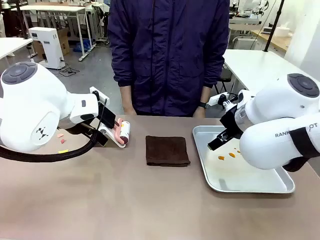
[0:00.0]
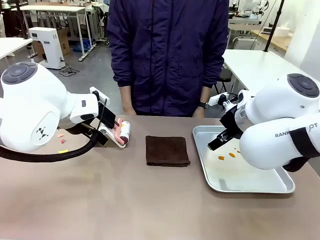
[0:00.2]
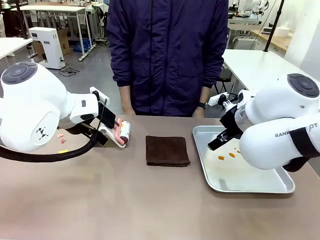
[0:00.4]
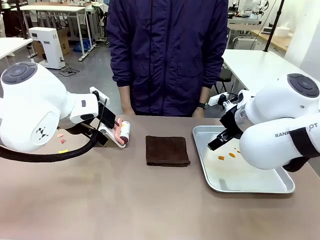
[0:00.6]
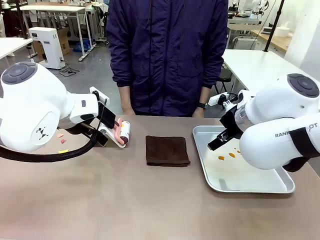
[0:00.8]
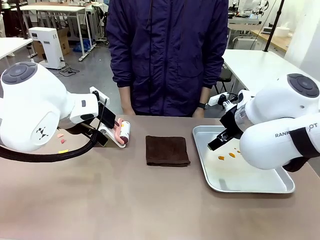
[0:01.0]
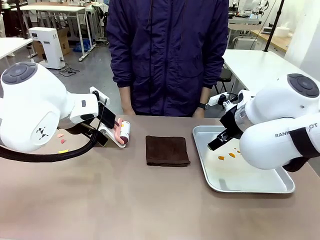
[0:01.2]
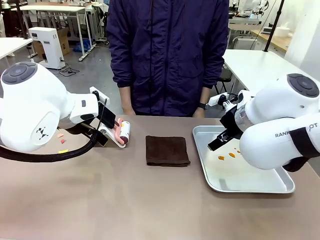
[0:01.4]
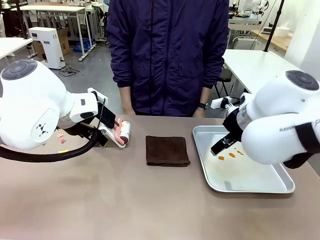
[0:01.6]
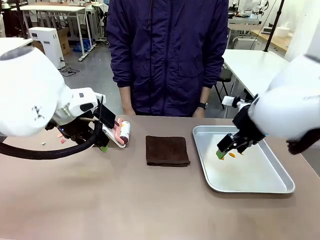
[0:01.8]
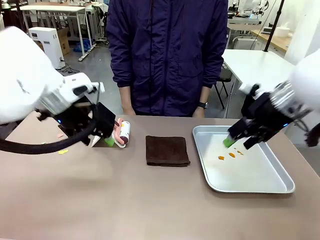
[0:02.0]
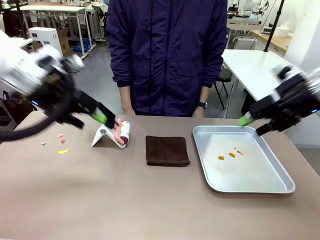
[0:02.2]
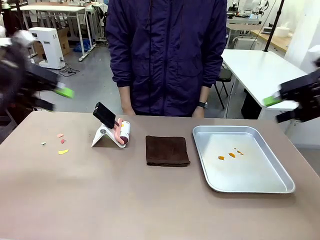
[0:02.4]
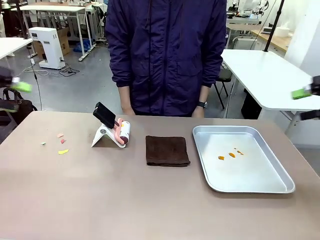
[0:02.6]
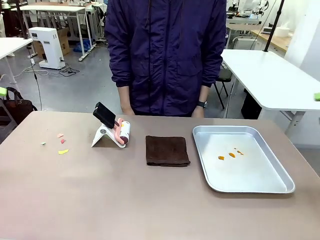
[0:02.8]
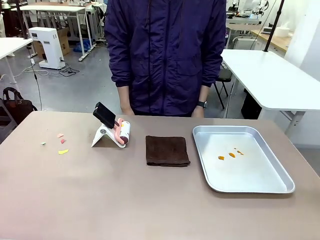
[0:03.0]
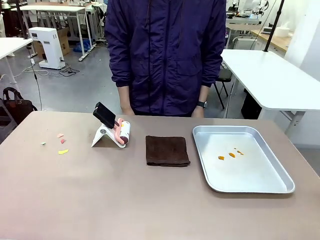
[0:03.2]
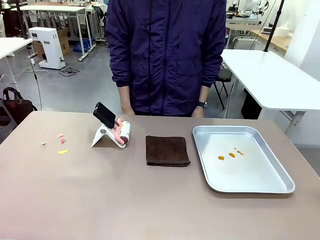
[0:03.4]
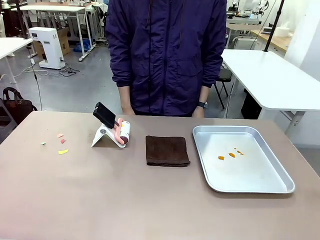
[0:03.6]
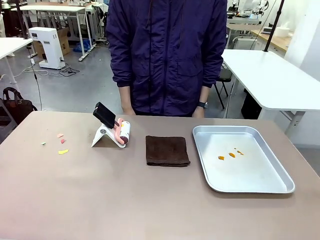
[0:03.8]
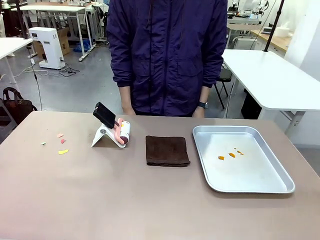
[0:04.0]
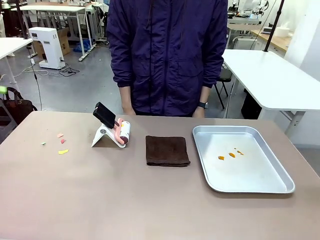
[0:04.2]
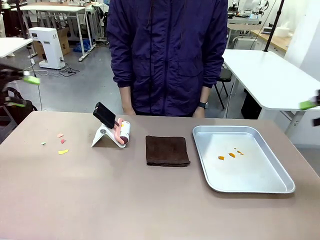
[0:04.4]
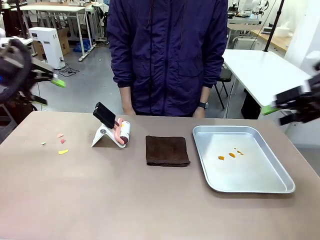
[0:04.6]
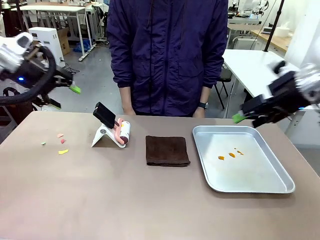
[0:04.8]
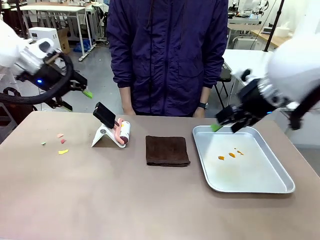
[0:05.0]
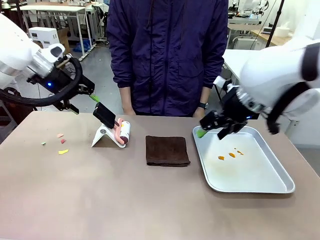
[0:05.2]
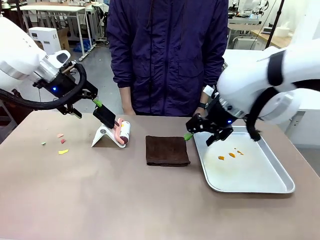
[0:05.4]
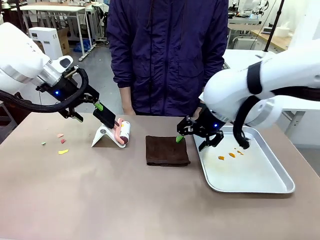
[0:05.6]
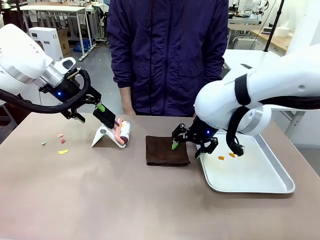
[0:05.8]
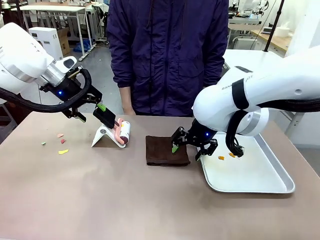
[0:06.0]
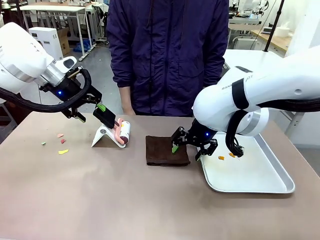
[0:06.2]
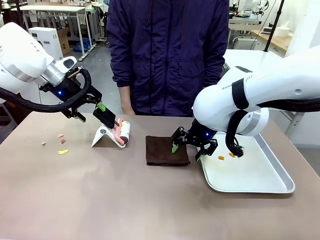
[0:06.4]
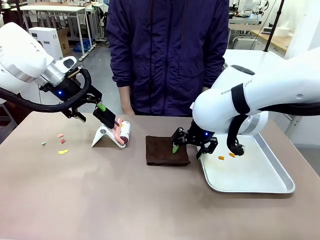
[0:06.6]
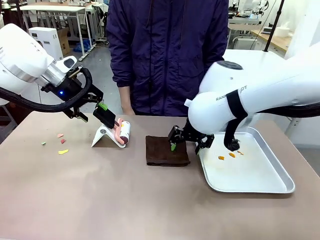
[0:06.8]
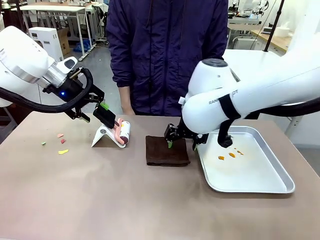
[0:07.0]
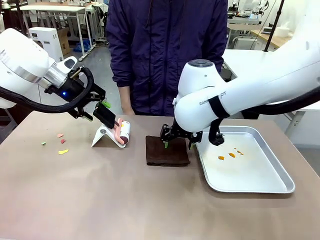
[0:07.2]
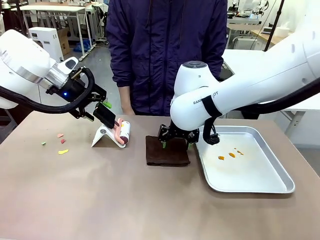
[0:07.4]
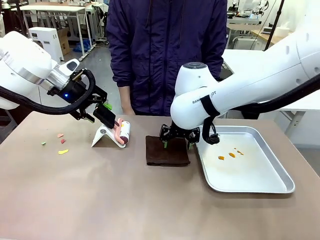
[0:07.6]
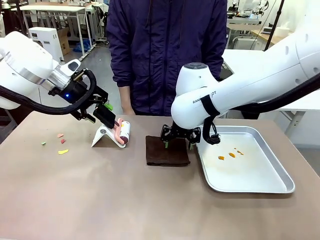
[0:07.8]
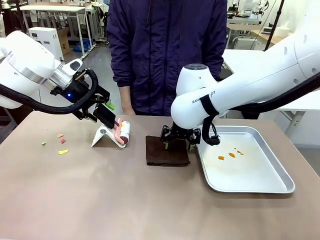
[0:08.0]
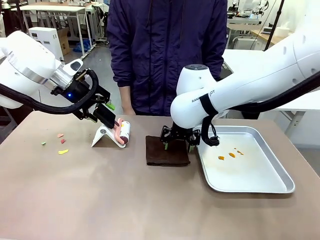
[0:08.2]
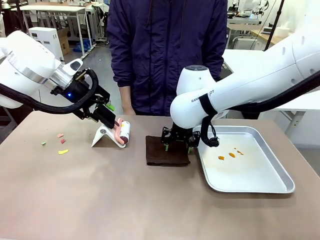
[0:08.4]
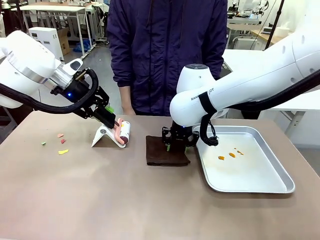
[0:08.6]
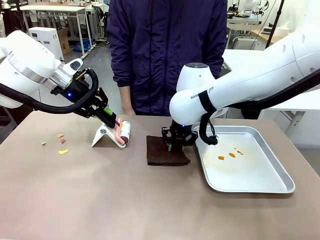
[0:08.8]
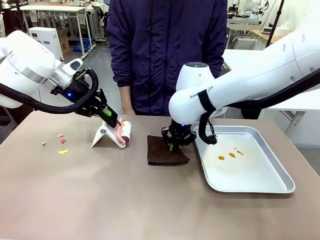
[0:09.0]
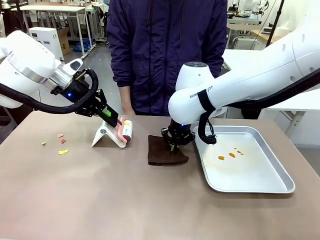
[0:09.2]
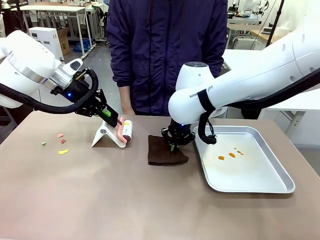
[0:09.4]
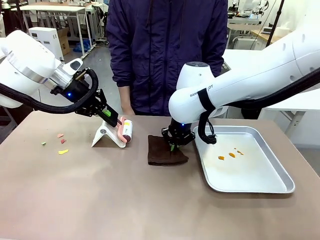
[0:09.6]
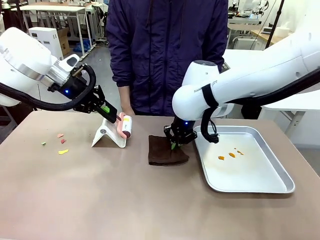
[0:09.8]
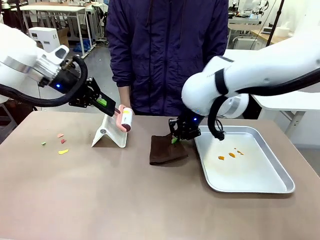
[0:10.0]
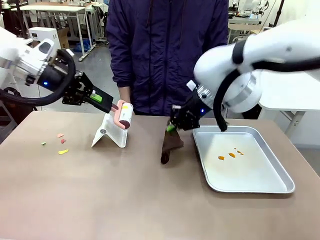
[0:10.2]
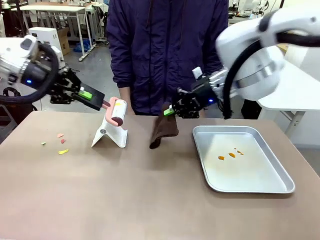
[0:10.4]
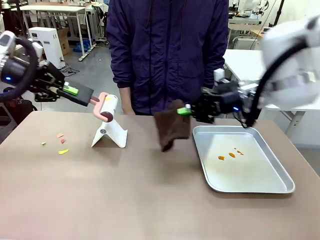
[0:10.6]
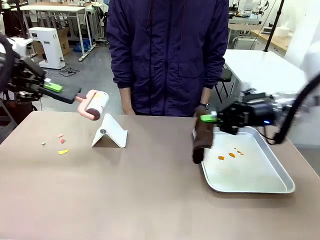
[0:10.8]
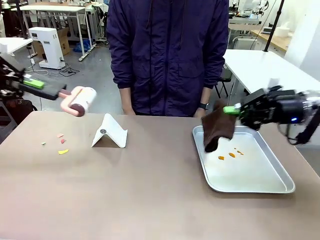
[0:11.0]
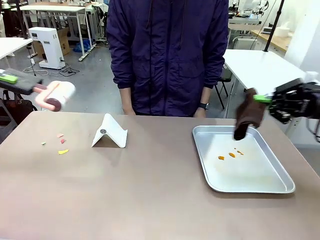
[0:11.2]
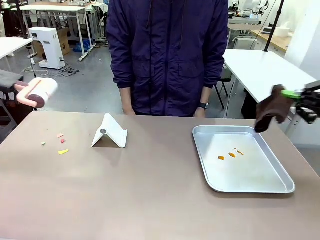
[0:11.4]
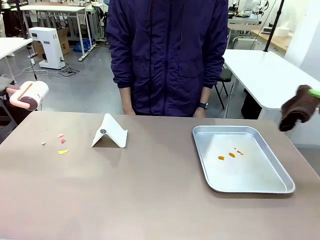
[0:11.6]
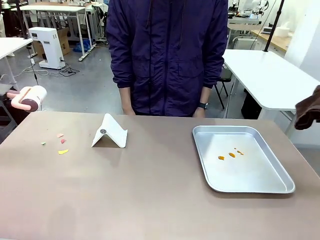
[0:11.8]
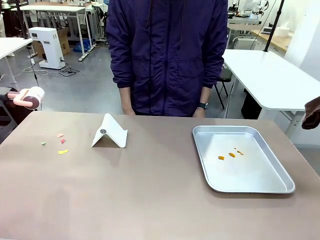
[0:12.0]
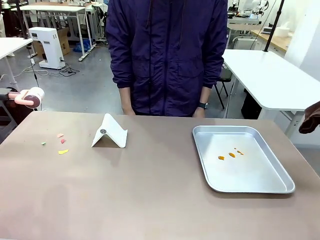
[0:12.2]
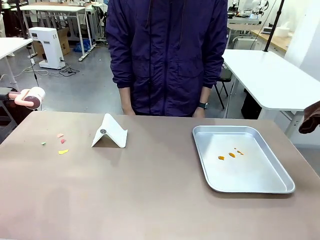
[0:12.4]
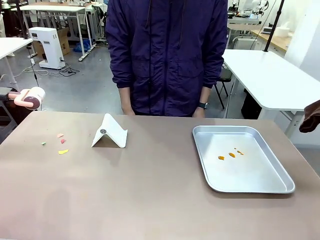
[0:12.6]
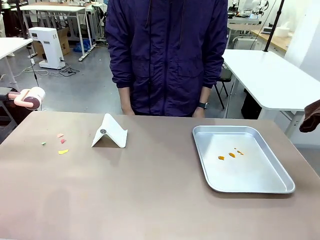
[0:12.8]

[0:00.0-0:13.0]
Task: Clean the surface of the table.
Robot: Hold the Lint Roller with your left hand and the towel with your right hand.

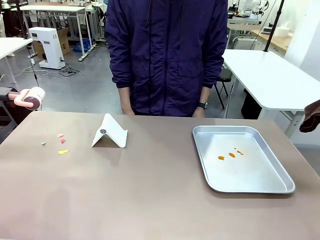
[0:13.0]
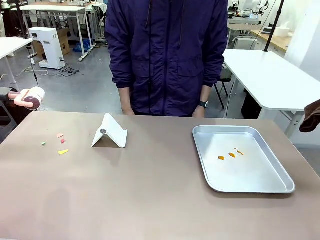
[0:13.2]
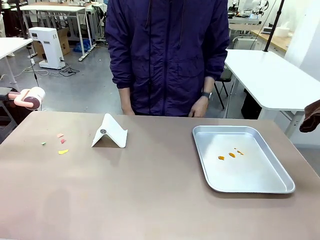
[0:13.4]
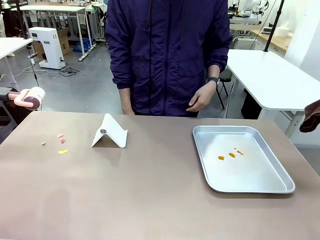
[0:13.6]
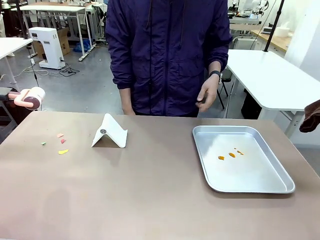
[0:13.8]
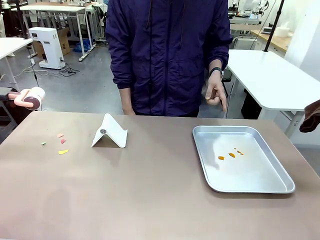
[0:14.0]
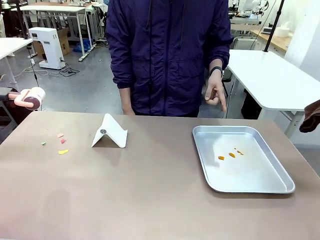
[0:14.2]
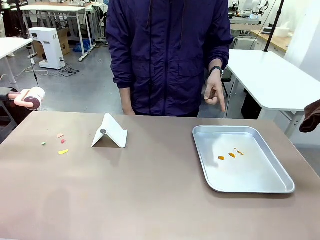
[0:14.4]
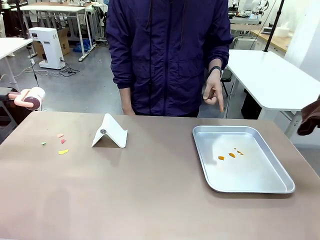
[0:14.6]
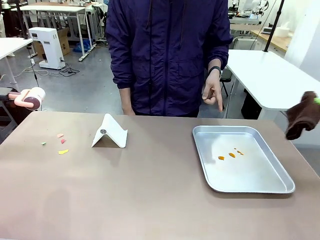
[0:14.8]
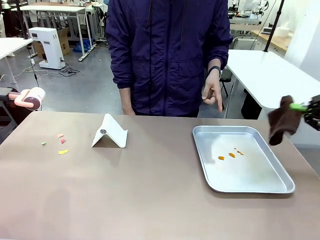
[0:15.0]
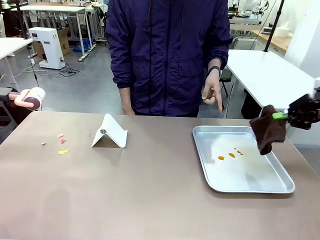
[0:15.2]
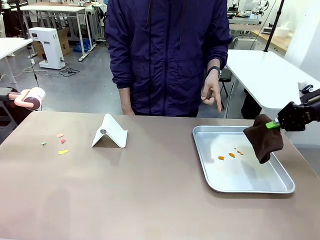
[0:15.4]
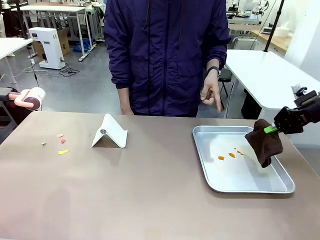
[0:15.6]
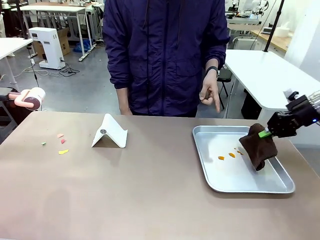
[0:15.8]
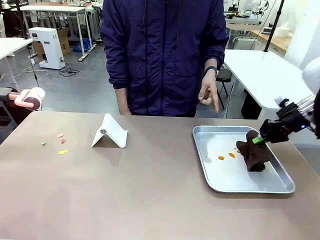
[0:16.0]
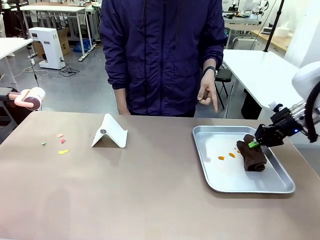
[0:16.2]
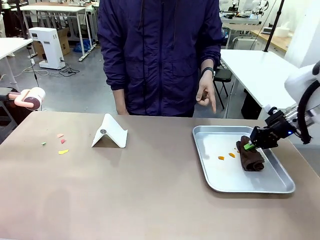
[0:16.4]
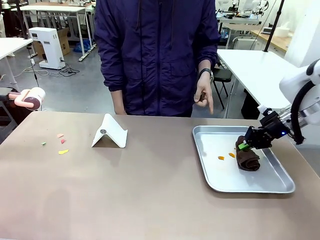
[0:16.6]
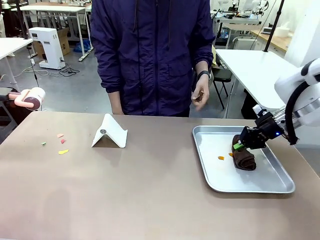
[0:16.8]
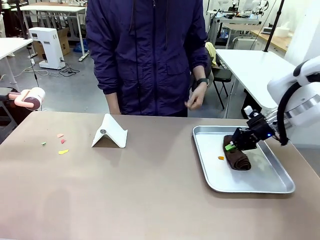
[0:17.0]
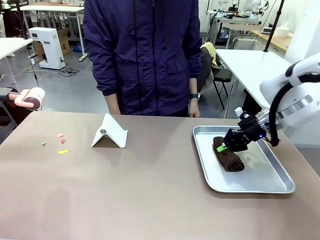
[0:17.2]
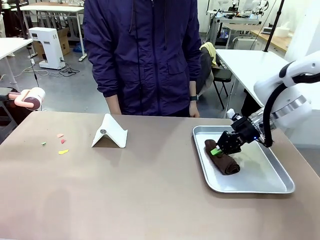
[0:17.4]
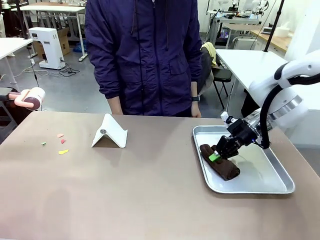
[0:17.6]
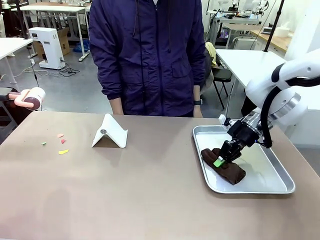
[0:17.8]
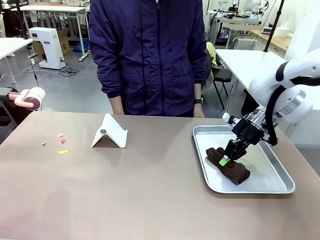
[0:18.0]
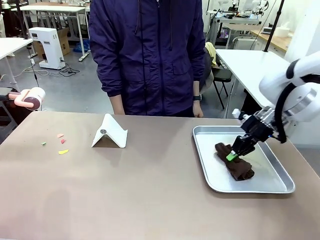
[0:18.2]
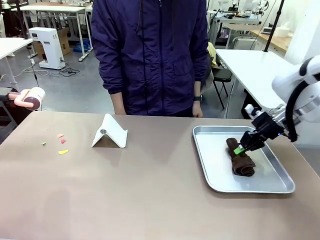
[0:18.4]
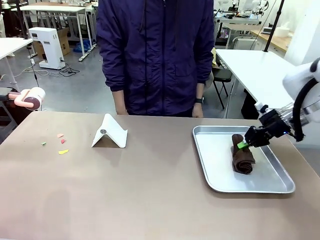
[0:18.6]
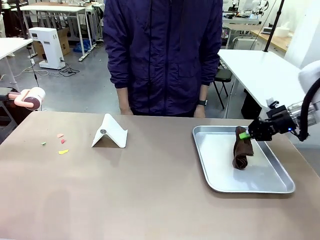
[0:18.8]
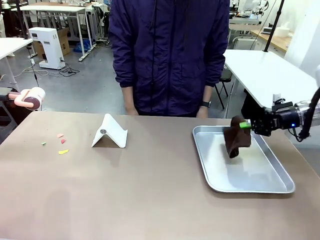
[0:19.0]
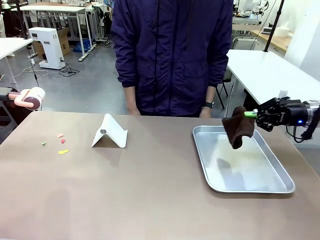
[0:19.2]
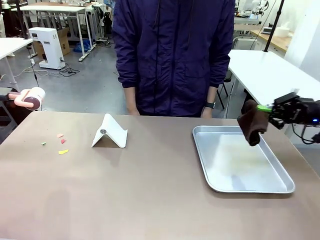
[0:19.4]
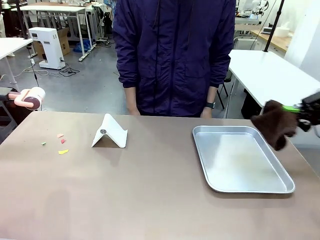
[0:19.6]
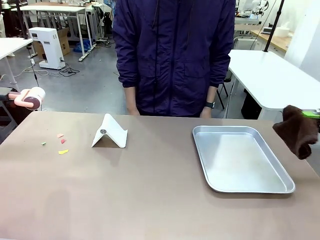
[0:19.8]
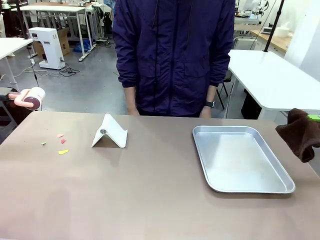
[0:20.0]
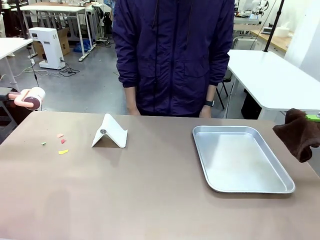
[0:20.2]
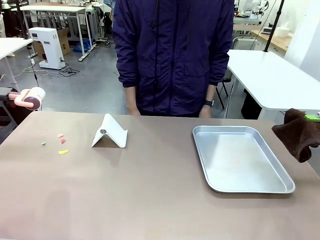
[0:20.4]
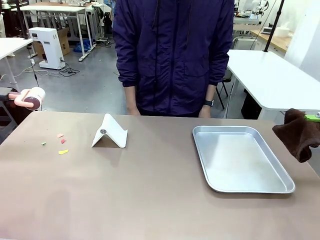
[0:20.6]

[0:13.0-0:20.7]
Robot: If a person points to the right, clean the right side of the table with your right hand, and if they point to the left, clean the left side with your left hand.
